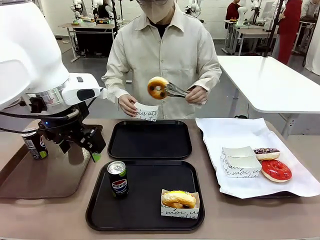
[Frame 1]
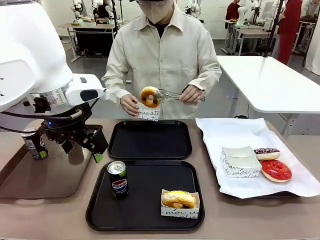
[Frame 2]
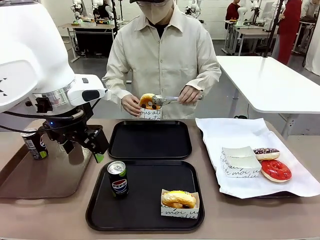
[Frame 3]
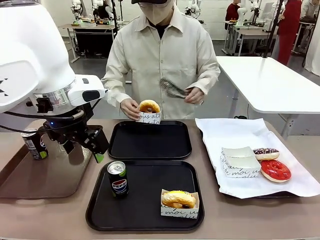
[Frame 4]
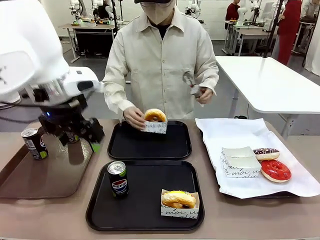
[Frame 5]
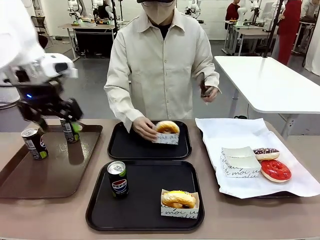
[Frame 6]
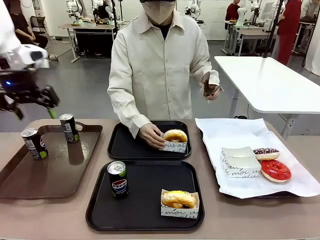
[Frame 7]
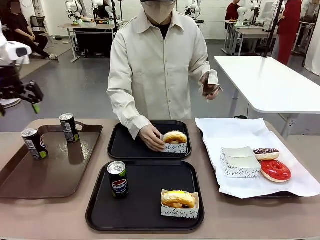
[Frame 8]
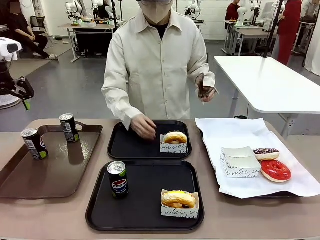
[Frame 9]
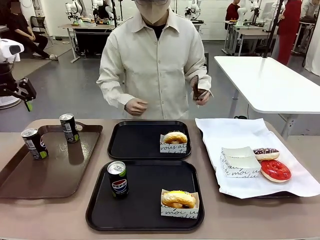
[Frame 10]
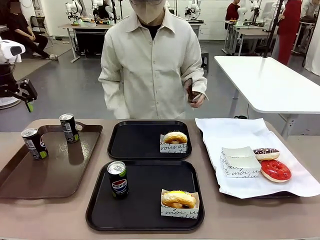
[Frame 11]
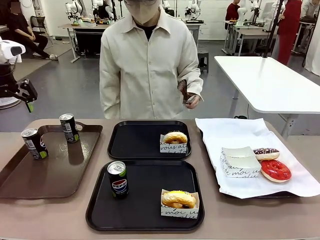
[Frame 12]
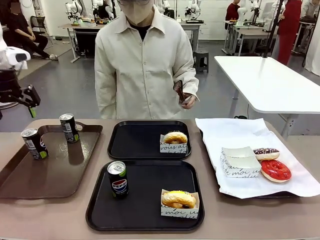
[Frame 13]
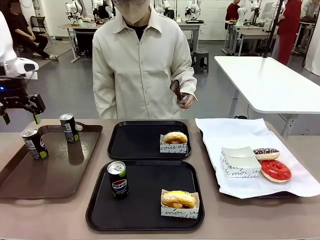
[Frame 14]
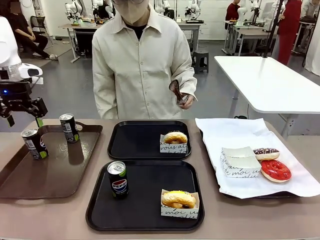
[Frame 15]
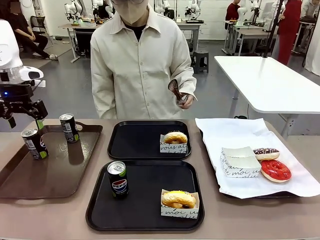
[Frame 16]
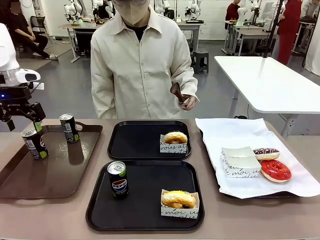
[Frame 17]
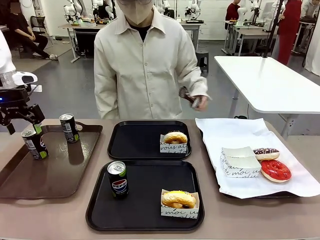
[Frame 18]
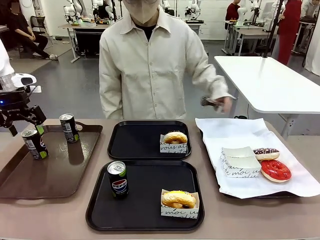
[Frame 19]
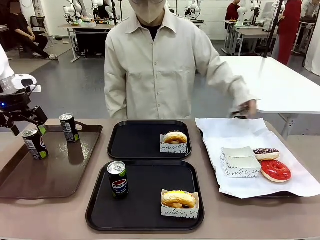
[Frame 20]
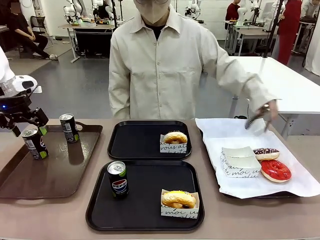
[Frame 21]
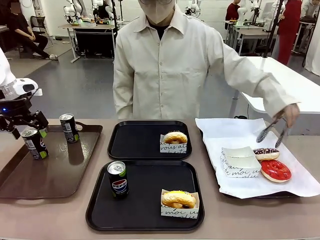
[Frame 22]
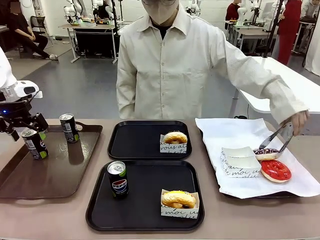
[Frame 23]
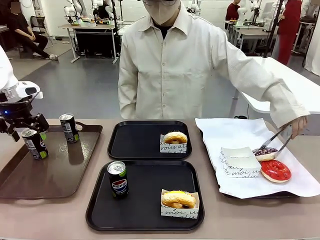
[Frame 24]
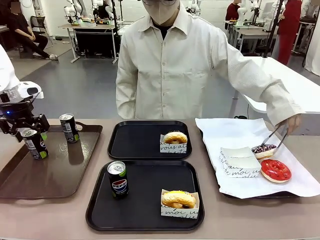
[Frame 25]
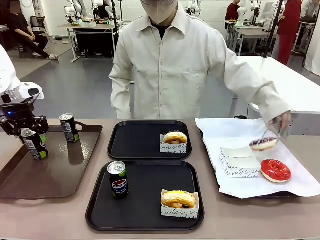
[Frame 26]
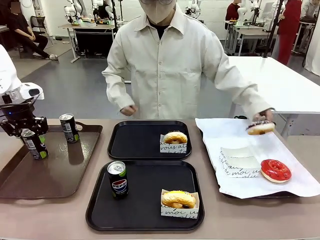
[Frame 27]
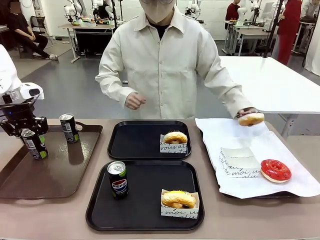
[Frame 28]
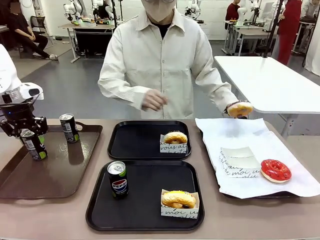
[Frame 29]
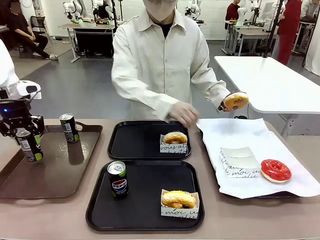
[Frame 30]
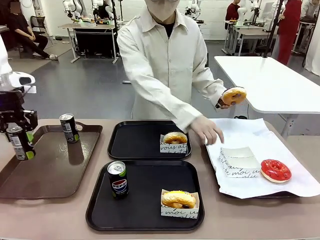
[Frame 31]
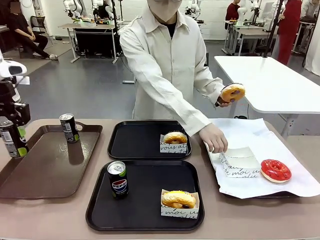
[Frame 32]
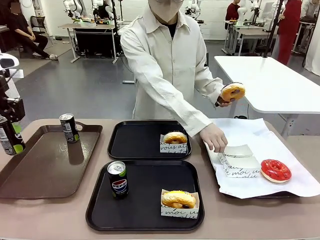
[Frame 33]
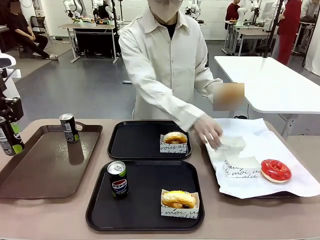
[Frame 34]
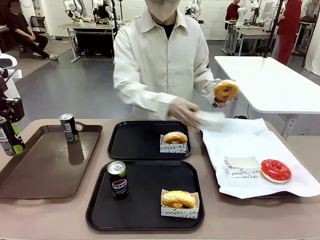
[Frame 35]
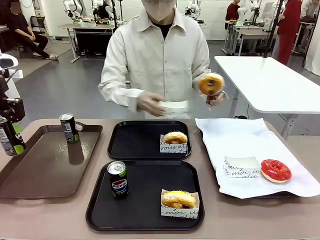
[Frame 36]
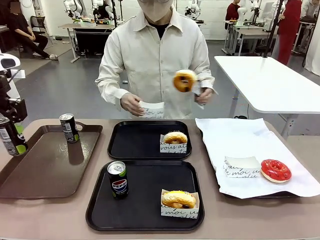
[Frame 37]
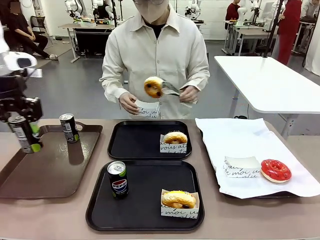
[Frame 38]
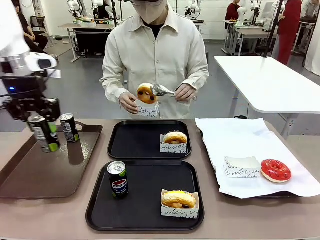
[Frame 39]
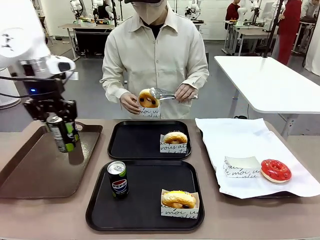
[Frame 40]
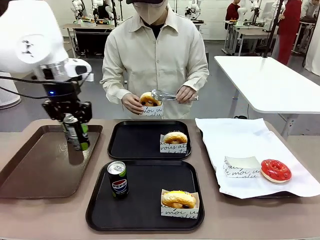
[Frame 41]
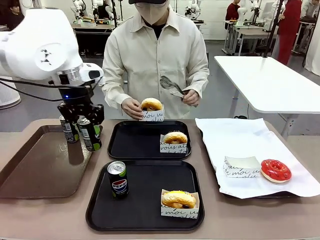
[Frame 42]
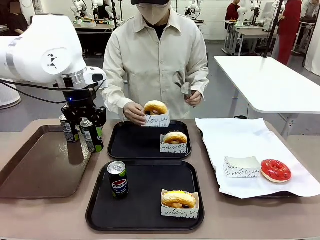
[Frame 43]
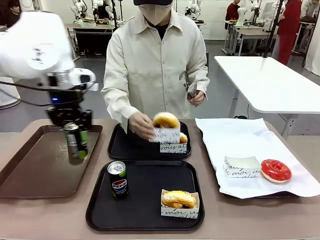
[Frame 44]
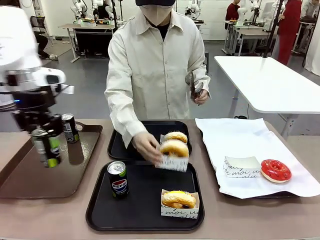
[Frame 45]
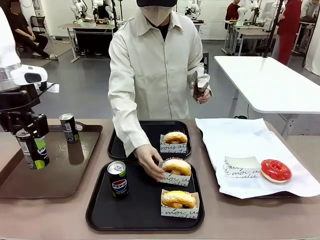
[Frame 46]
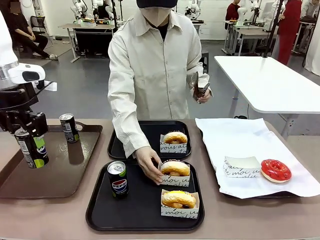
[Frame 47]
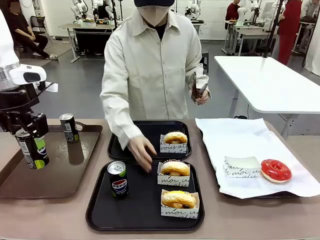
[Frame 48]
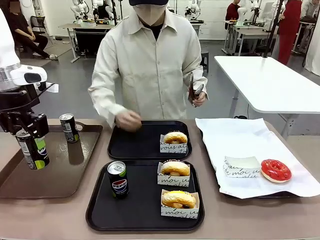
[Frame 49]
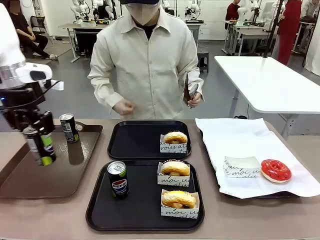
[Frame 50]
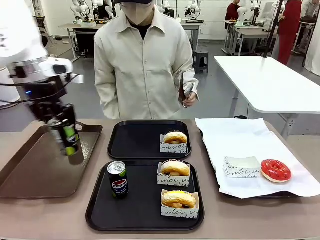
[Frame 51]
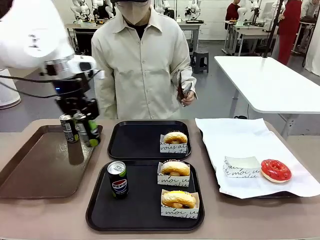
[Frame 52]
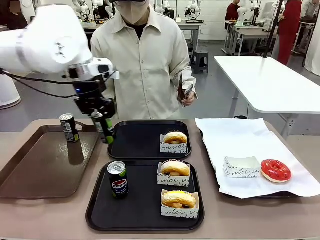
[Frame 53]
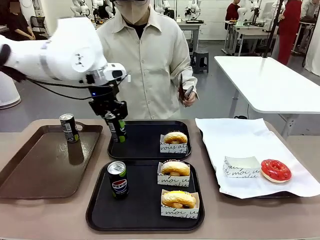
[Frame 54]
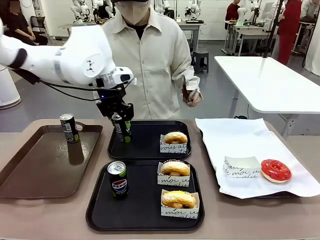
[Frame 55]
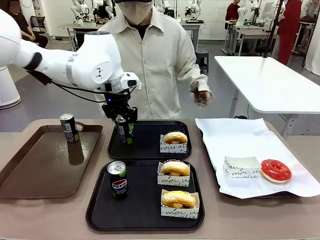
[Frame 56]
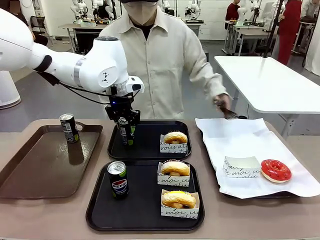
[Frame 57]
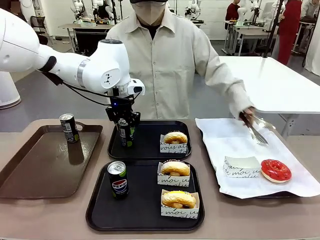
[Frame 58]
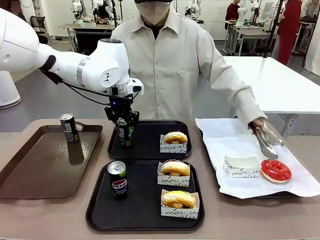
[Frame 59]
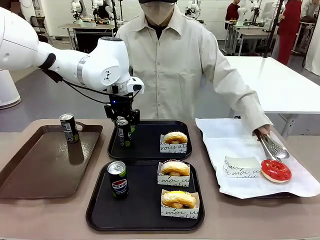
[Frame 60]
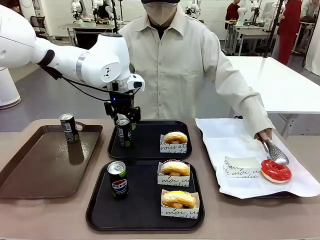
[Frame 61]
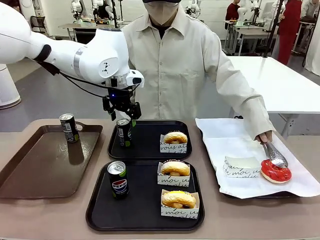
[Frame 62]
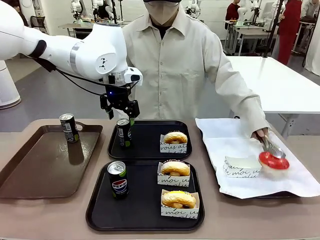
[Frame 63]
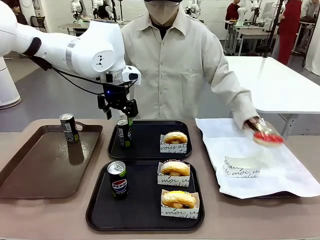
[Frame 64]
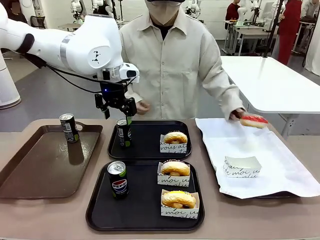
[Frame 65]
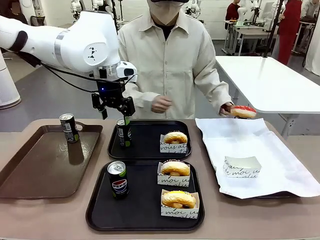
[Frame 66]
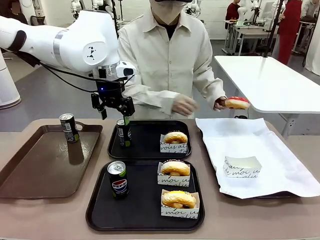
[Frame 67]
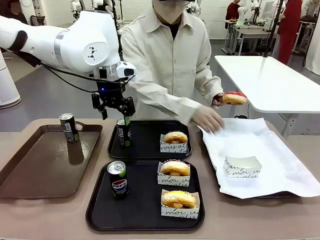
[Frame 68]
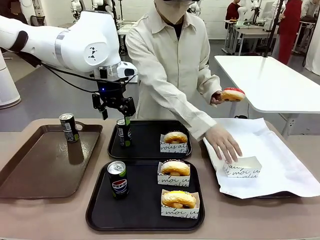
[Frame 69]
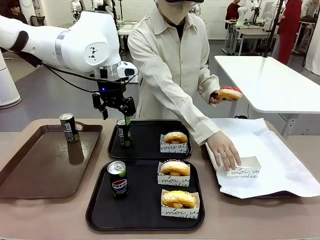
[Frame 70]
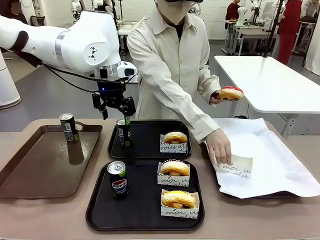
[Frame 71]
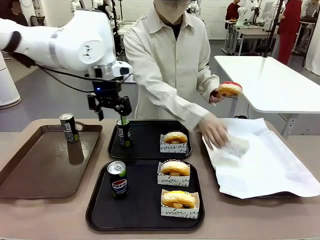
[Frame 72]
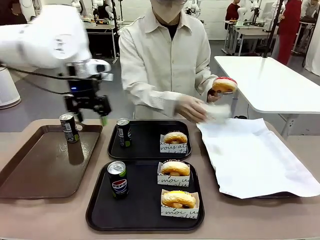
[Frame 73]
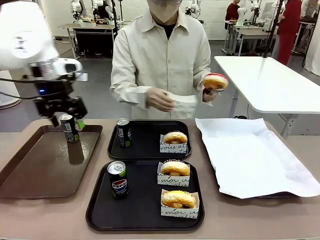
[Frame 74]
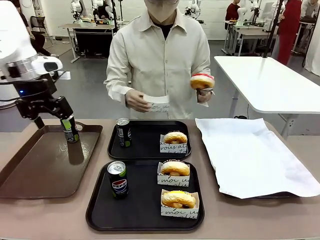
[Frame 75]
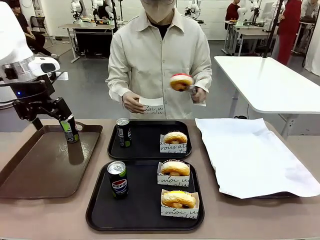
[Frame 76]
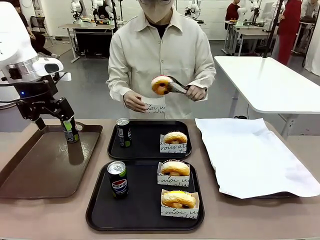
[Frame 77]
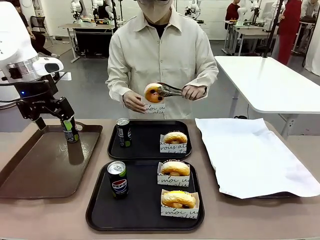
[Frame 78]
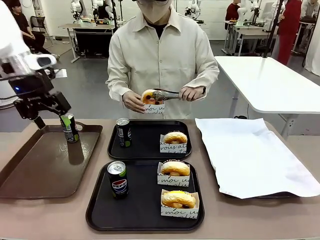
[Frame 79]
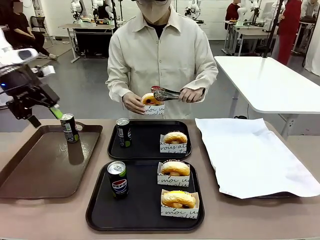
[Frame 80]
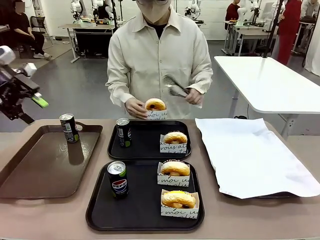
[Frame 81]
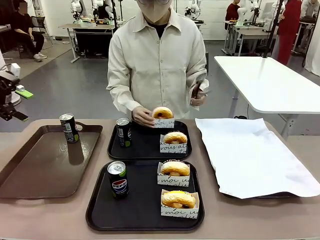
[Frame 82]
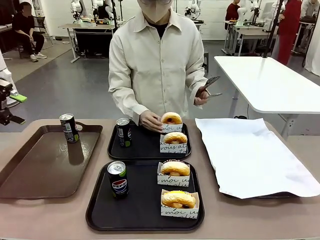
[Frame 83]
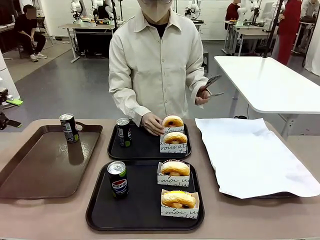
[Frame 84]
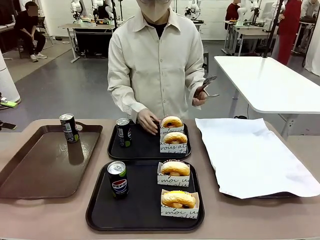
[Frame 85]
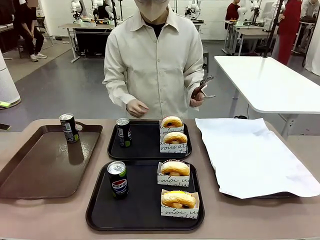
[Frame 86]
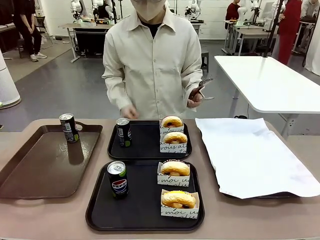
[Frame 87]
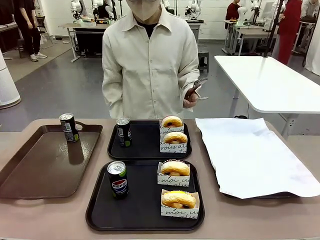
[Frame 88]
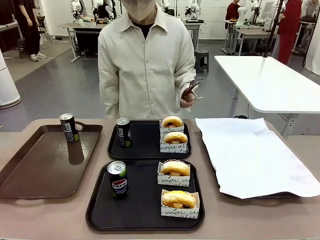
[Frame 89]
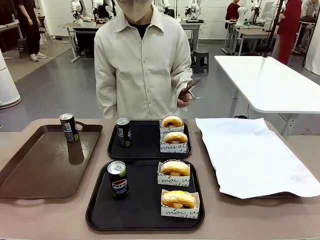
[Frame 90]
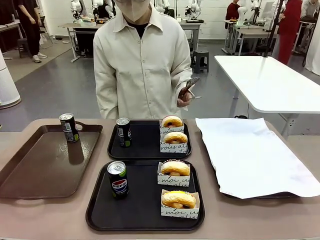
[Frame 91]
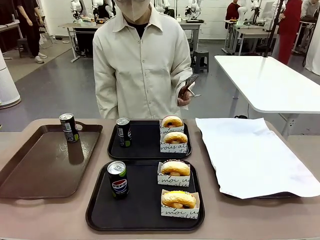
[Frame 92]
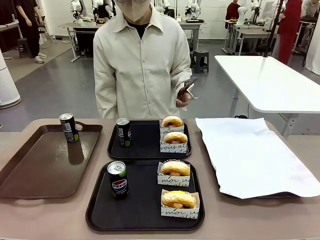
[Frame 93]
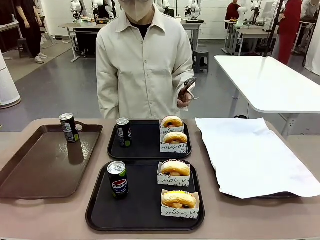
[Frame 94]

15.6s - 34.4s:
Task: Set up donuts and drinks on trays.
Robot: Pick up one Pepsi coke from the Handle tray and place it on the Flat Tray without a Pepsi coke.
Person: Pick up one donut with tongs, place it in the donut tray, and then place the donut tray on the flat tray.
